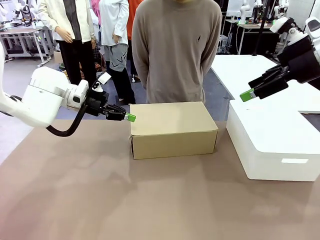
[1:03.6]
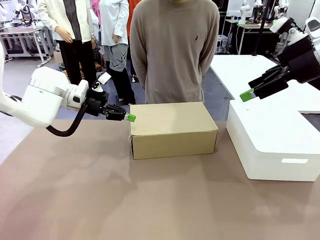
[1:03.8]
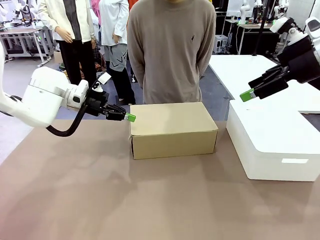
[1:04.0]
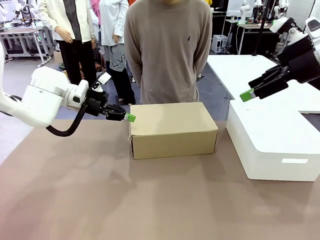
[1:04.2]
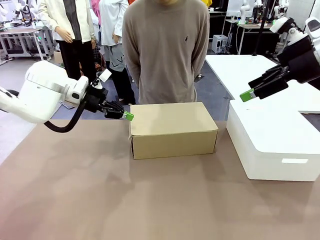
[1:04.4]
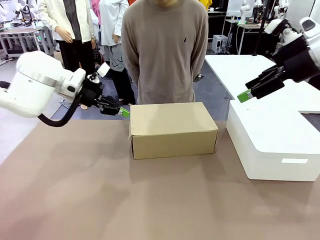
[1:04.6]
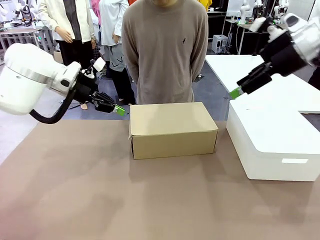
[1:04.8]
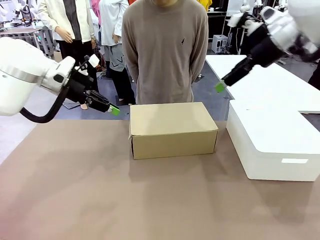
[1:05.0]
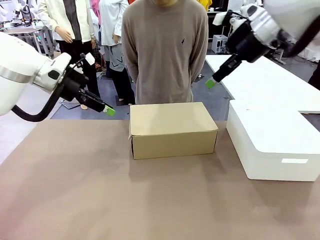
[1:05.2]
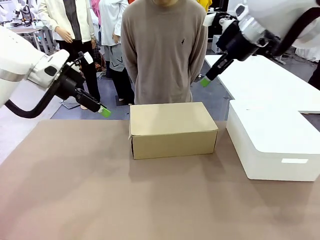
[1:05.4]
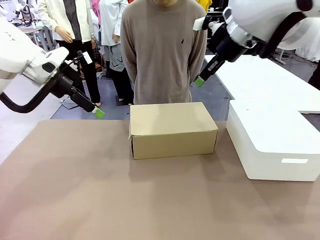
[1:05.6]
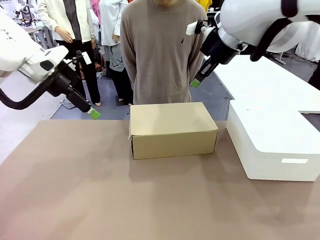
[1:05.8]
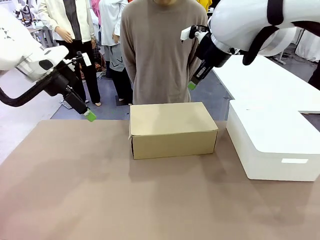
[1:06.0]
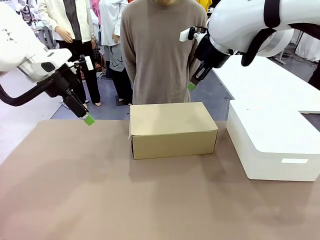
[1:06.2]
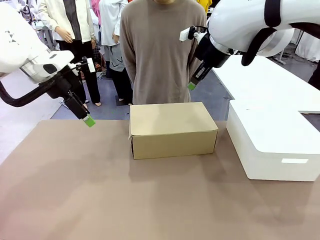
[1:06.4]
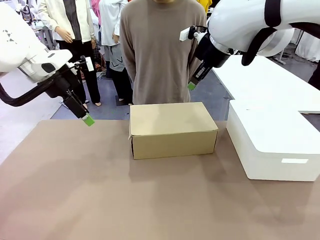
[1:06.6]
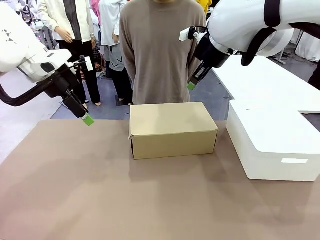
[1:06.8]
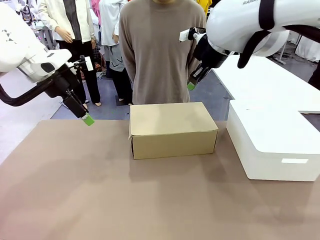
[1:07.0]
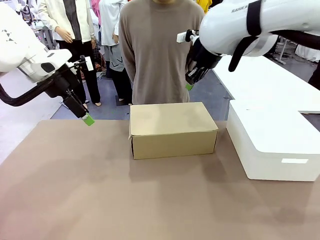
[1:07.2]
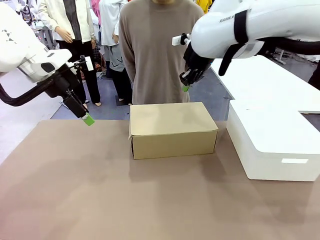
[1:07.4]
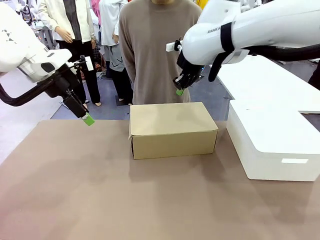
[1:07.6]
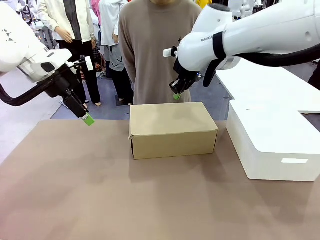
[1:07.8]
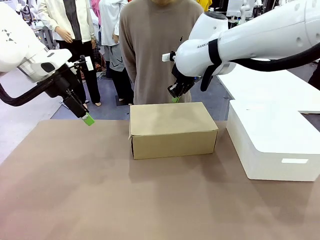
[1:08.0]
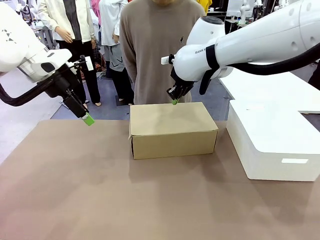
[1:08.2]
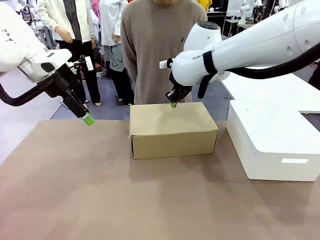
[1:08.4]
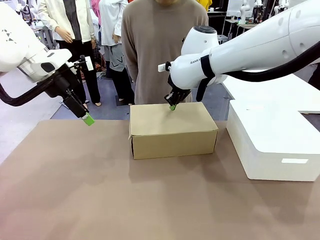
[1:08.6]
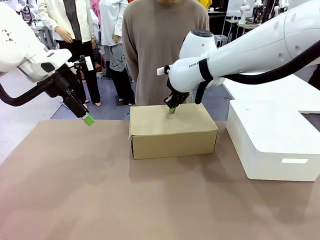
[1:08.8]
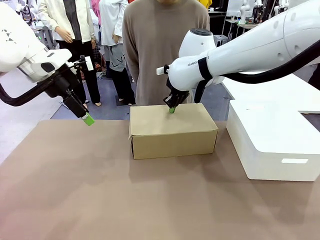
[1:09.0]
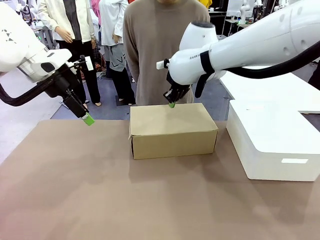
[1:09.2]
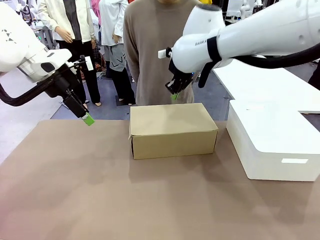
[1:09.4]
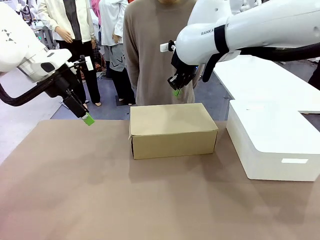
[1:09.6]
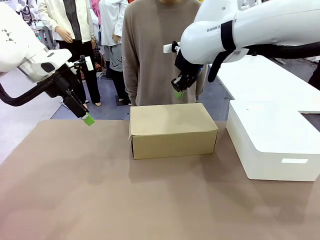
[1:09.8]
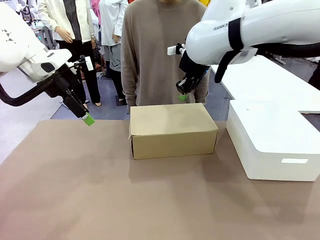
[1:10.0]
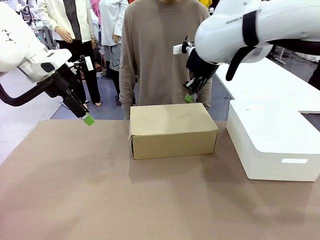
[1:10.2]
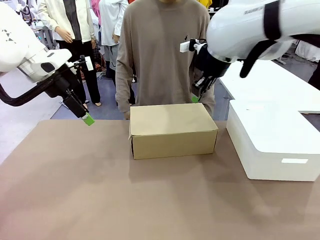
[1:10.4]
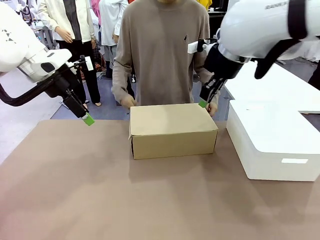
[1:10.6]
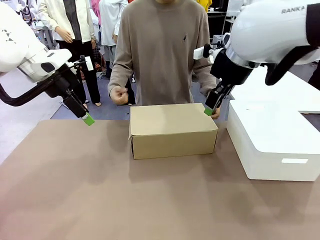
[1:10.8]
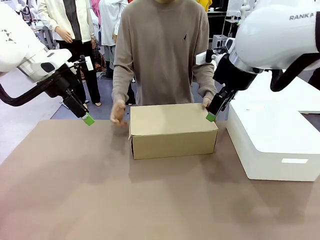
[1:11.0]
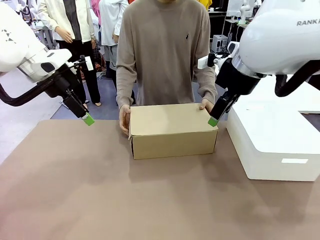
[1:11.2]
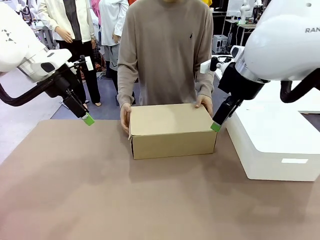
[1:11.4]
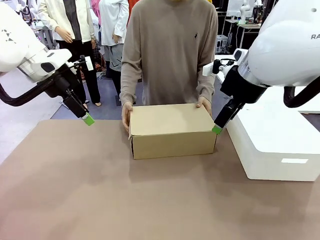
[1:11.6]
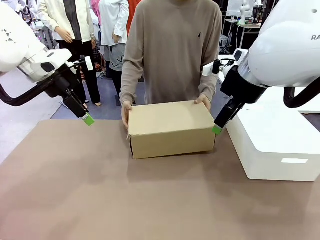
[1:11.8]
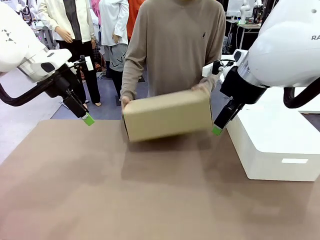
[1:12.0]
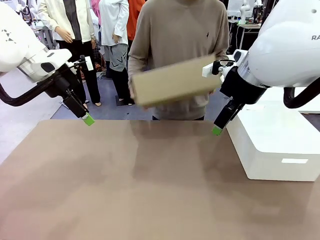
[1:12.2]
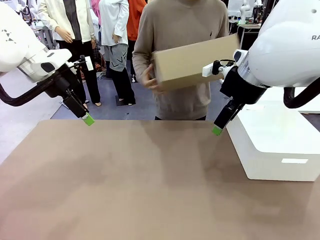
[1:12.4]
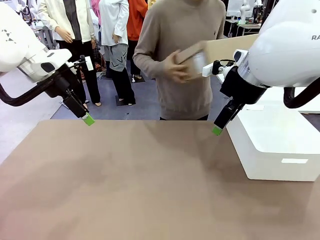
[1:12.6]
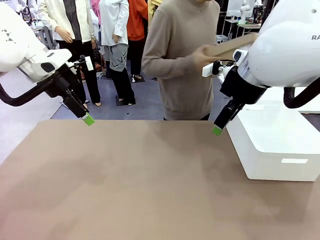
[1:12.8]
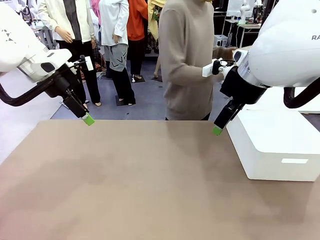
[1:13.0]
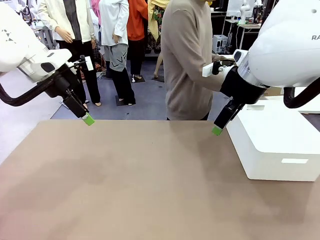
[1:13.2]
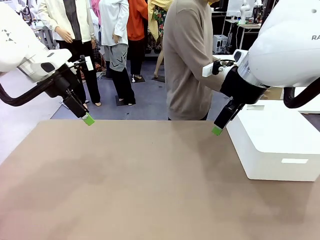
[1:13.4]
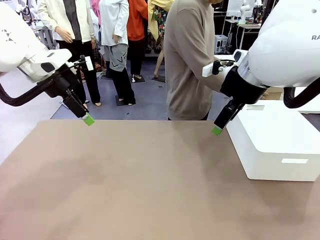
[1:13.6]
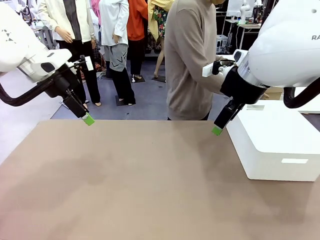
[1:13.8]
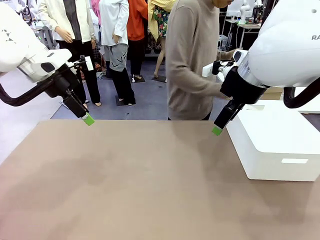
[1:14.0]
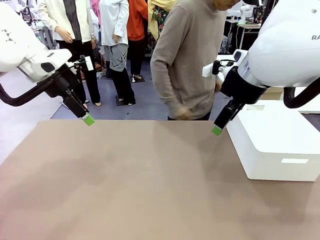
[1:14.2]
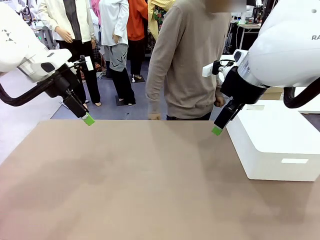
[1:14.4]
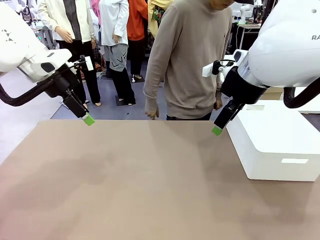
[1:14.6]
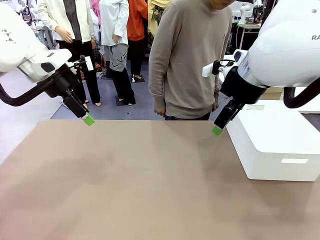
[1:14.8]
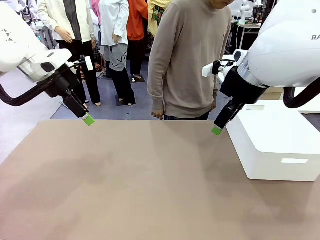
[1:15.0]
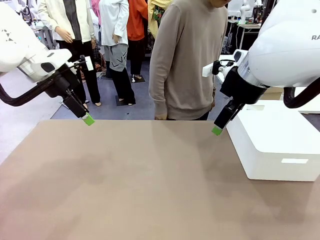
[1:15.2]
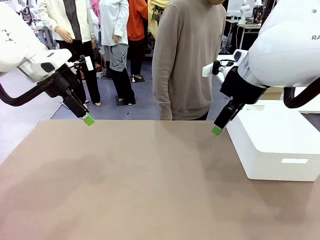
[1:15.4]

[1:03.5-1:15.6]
Task: Pack the shoes into the box.
Robot: Press down on the lid of the Shoes Box.
Person: Place the closed Shoes Box to the right side of the human table.

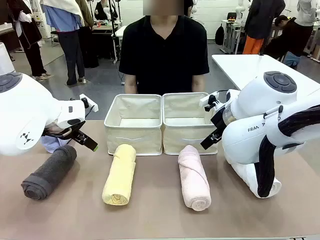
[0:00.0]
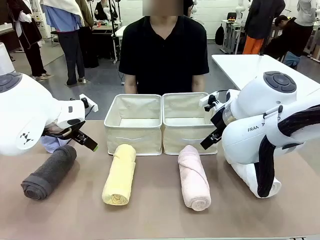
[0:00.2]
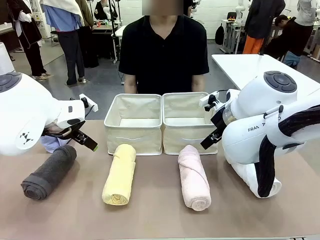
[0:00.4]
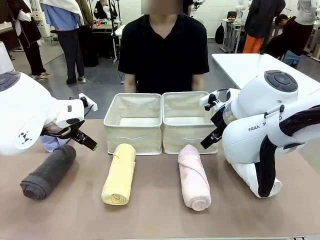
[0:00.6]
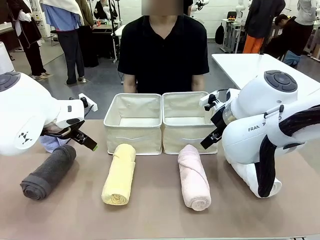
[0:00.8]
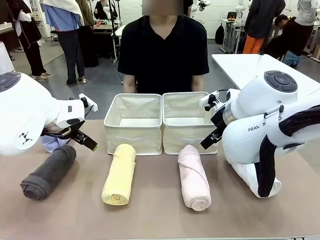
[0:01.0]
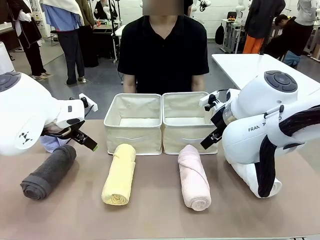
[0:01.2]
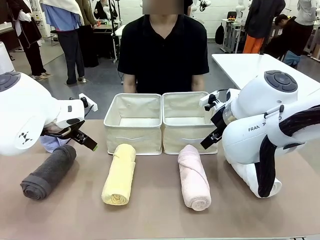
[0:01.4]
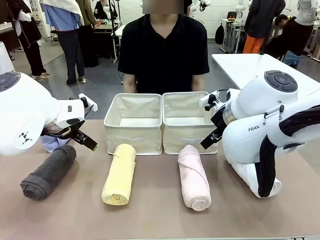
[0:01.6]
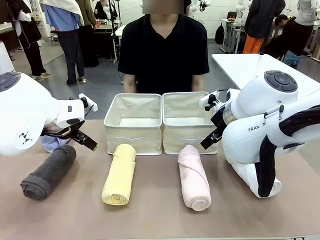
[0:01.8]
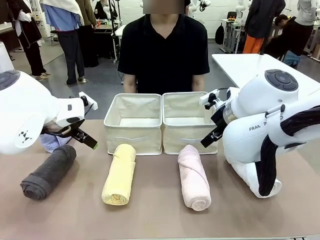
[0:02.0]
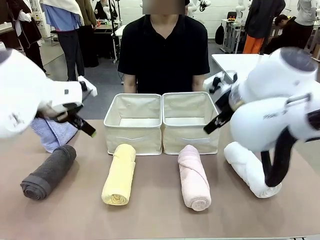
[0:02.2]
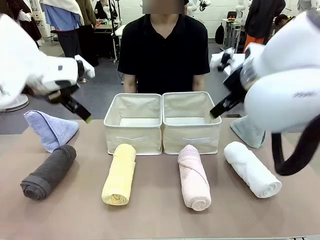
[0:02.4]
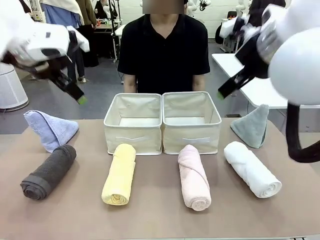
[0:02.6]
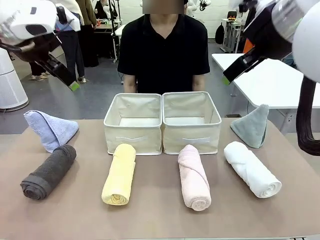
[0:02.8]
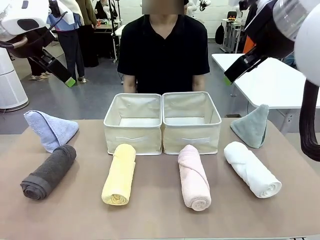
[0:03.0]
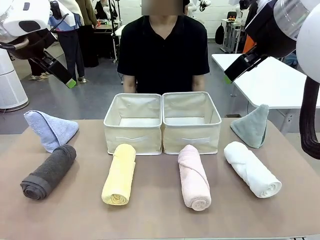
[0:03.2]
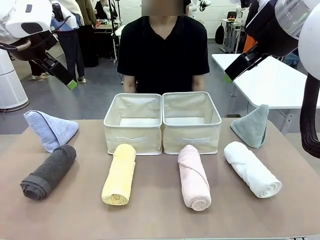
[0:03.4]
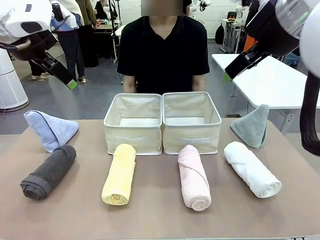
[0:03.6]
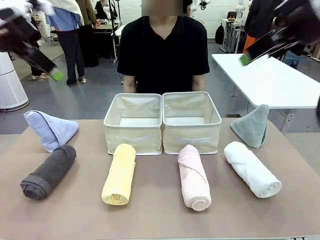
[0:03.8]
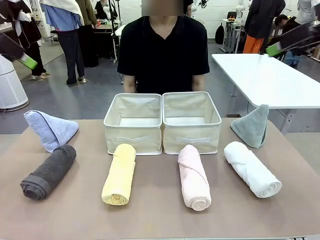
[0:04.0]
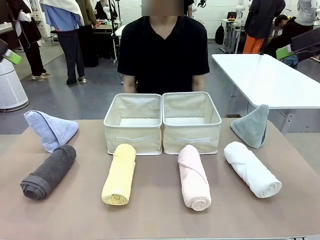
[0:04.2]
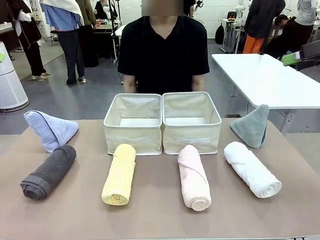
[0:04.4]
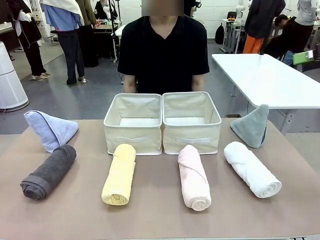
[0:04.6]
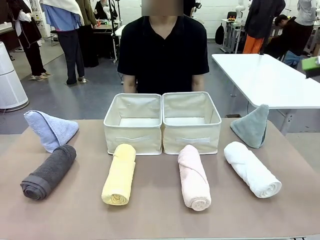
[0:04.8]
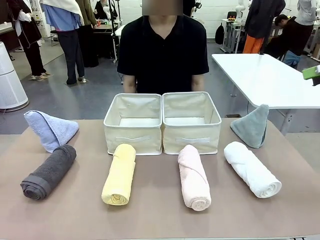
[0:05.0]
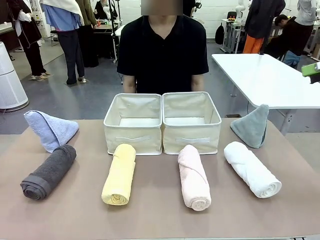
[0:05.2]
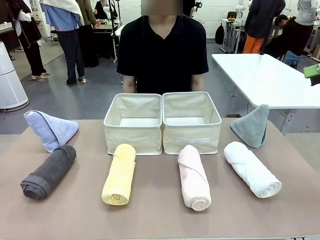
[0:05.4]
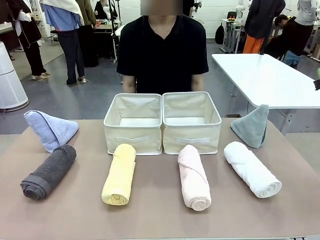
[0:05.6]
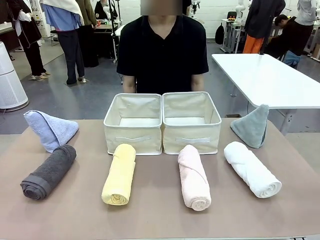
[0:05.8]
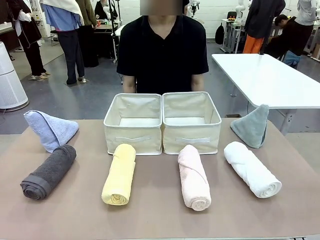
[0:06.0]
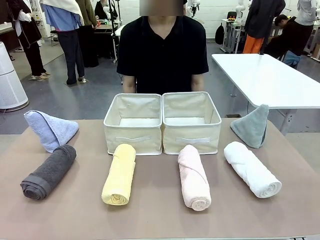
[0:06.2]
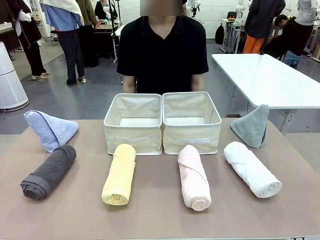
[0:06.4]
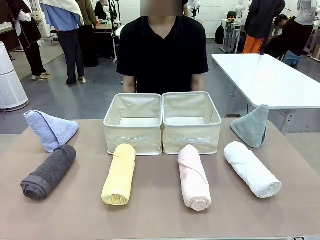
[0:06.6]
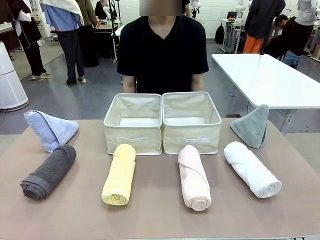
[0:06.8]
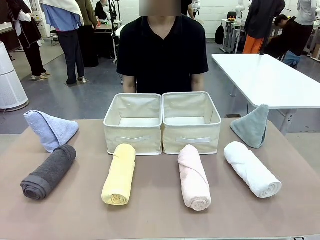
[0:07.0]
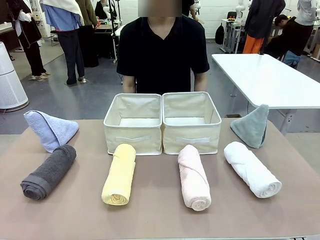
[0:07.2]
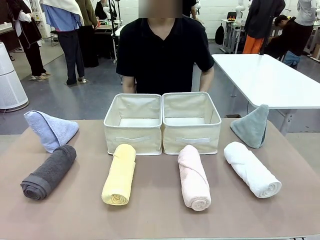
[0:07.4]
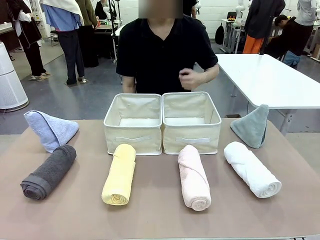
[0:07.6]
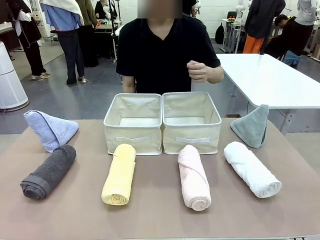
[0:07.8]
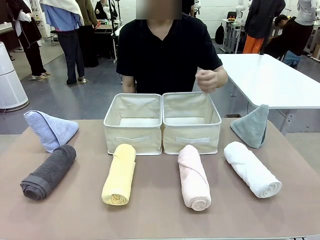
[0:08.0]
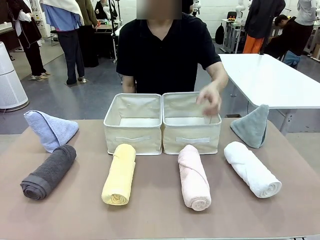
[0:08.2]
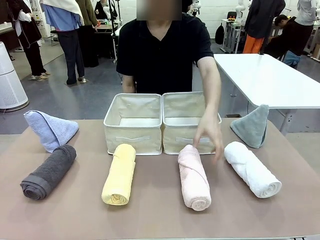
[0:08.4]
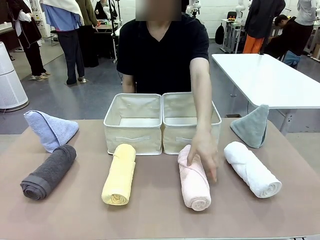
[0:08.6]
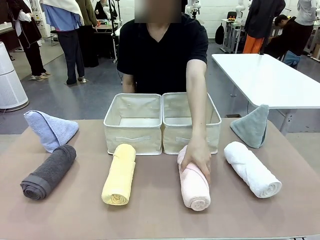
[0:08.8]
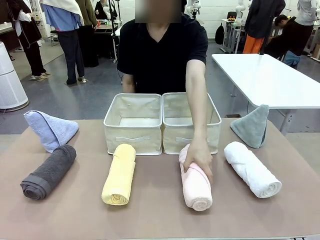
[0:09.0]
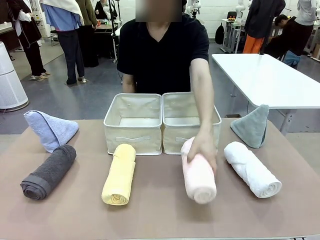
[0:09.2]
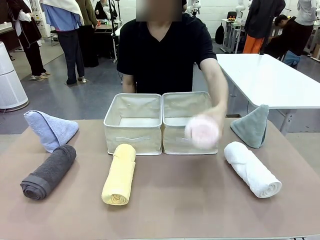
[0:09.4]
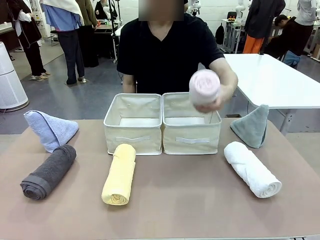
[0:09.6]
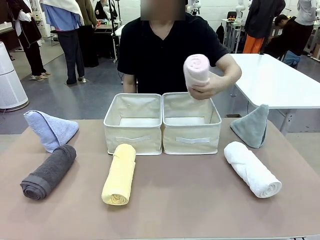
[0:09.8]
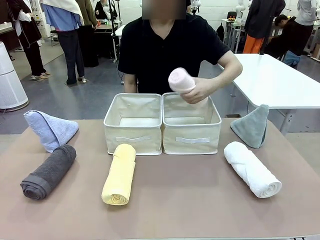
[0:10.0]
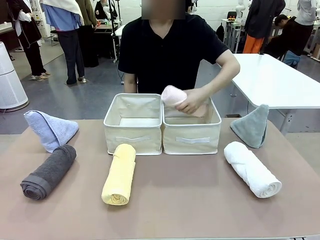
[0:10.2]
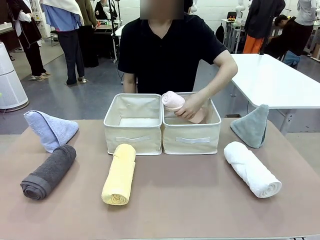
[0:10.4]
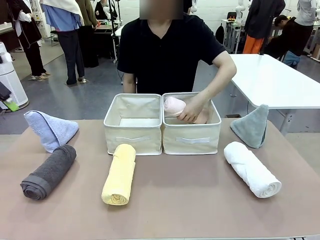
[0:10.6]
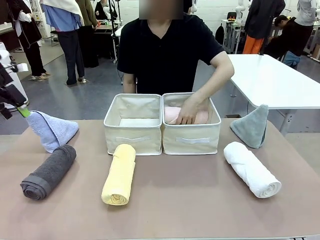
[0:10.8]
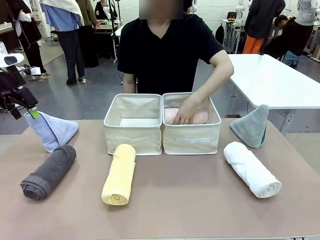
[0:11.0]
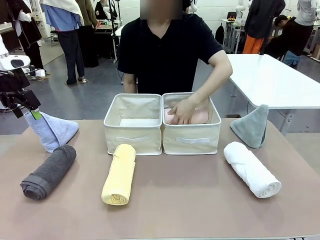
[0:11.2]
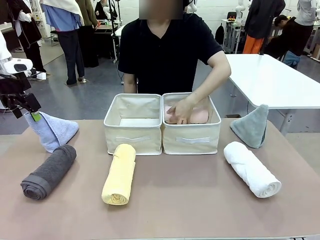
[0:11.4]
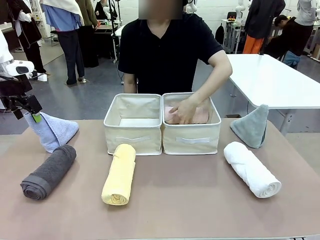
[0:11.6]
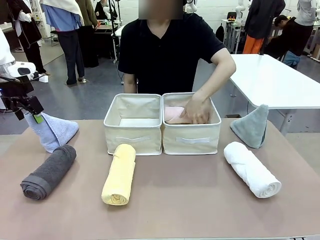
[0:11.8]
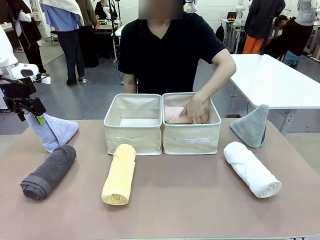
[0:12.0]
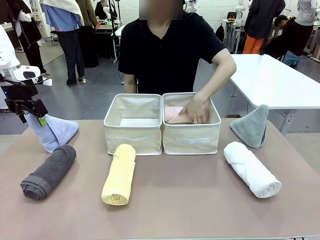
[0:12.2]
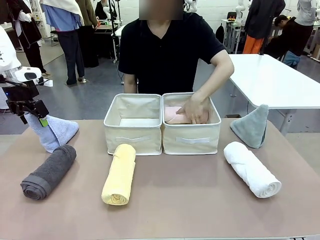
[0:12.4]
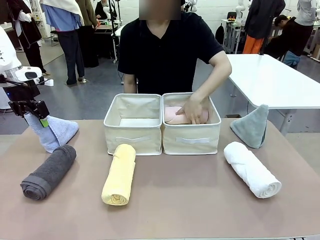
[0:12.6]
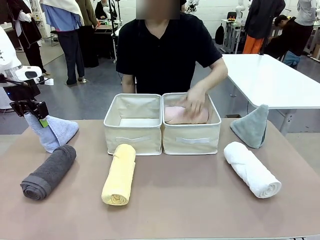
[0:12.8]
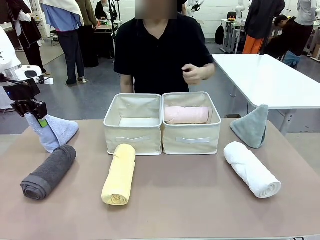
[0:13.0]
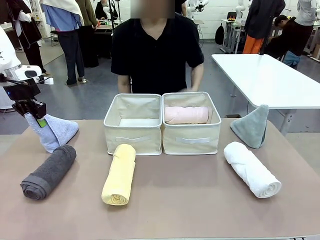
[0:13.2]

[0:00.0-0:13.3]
Task: Sort the towels based on their folding style.
Robot: Pick up one triangle-folded towel and place it in the left Fabric basket.
Person: Pick up one hotel-style rolled towel and place it in the left fabric basket.
